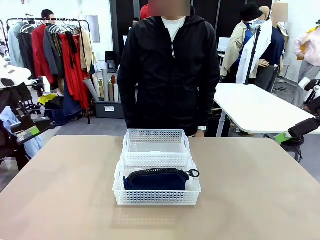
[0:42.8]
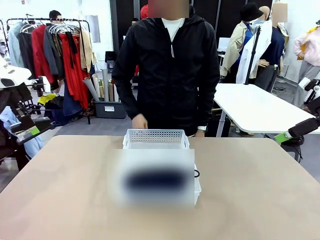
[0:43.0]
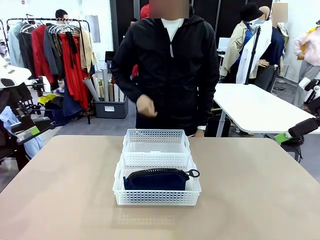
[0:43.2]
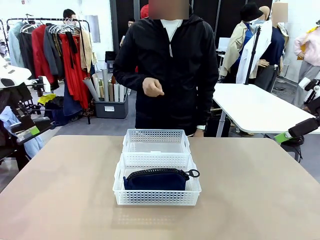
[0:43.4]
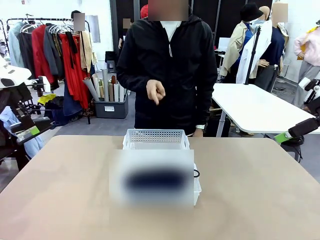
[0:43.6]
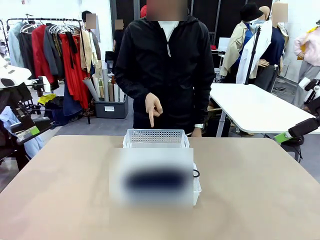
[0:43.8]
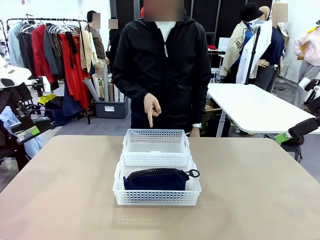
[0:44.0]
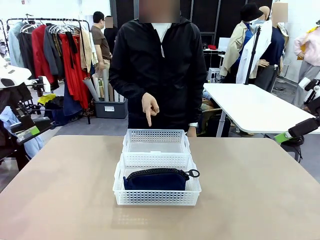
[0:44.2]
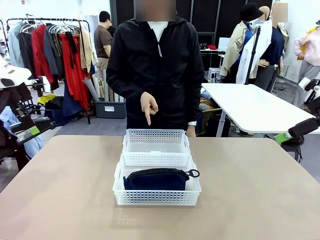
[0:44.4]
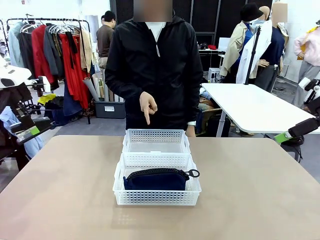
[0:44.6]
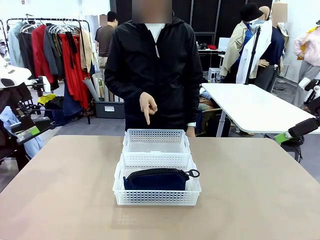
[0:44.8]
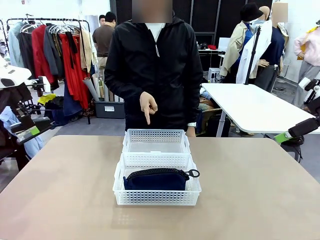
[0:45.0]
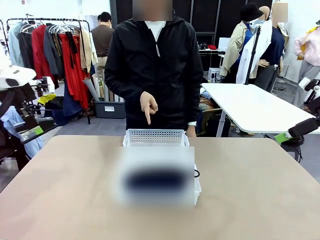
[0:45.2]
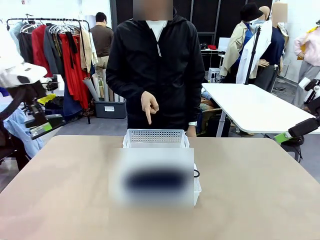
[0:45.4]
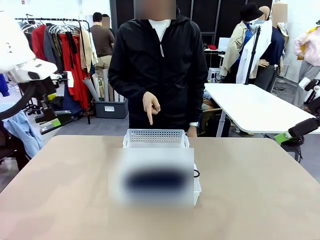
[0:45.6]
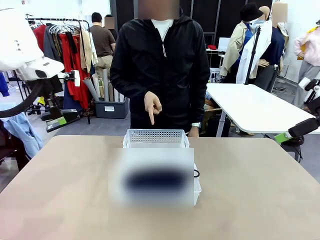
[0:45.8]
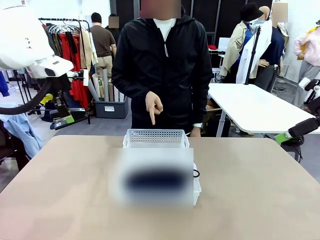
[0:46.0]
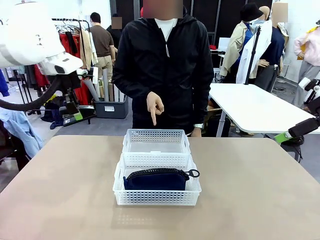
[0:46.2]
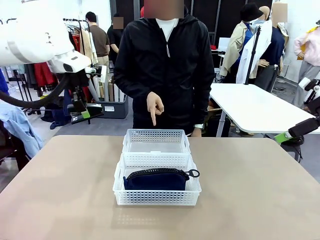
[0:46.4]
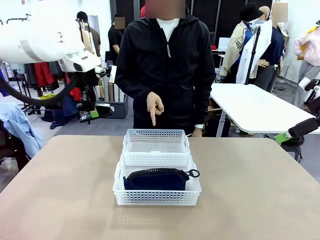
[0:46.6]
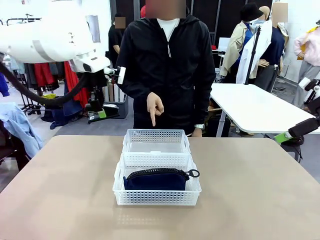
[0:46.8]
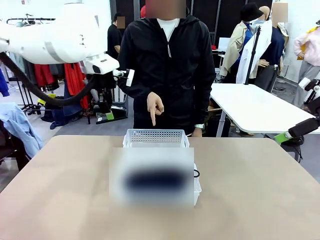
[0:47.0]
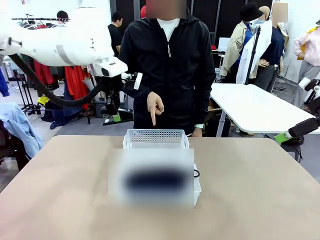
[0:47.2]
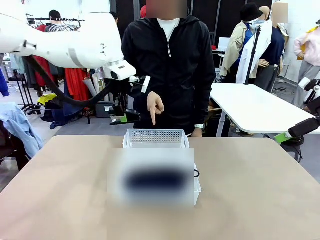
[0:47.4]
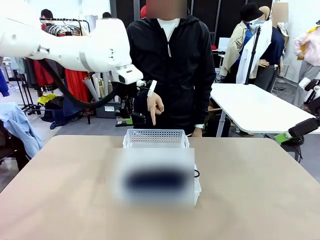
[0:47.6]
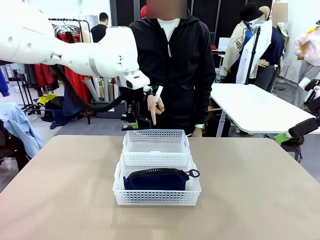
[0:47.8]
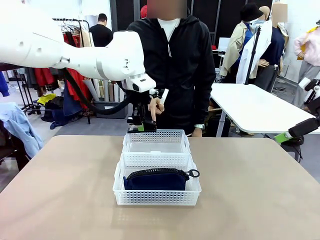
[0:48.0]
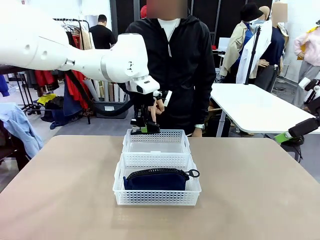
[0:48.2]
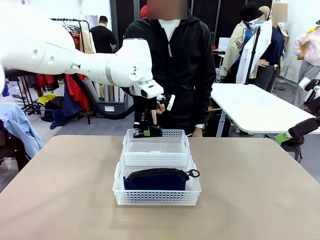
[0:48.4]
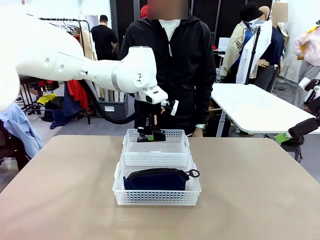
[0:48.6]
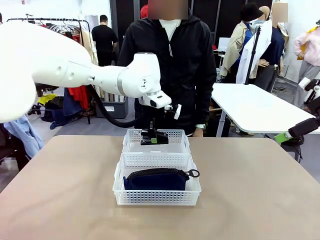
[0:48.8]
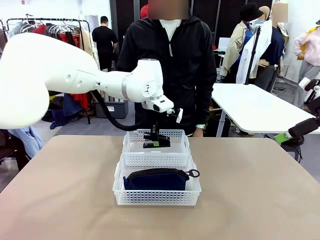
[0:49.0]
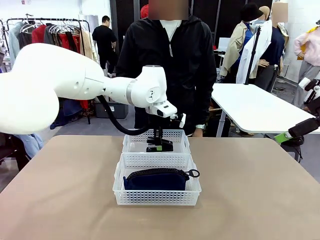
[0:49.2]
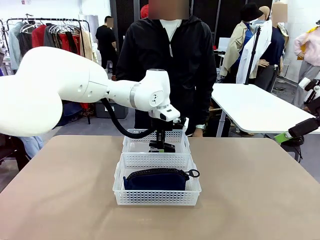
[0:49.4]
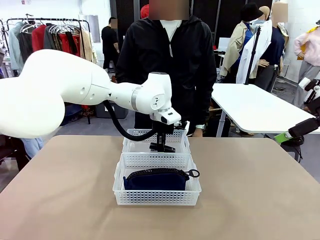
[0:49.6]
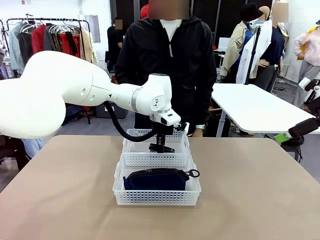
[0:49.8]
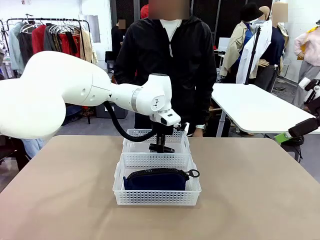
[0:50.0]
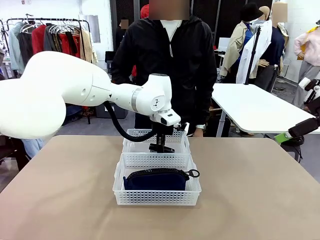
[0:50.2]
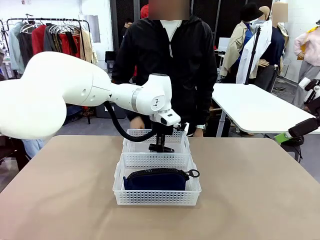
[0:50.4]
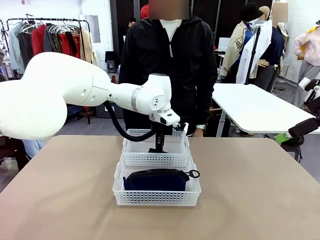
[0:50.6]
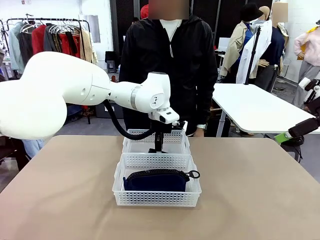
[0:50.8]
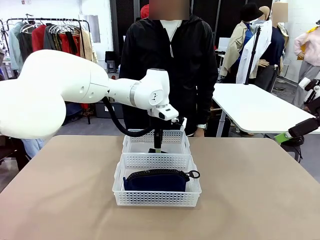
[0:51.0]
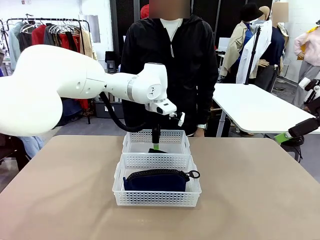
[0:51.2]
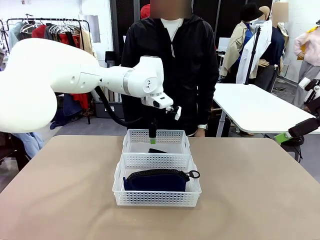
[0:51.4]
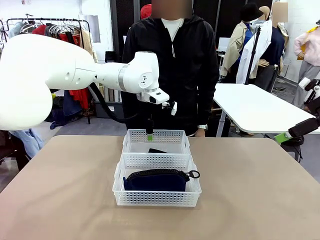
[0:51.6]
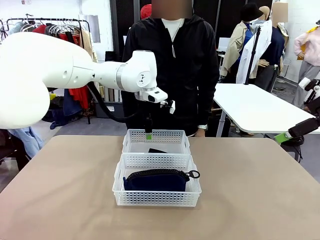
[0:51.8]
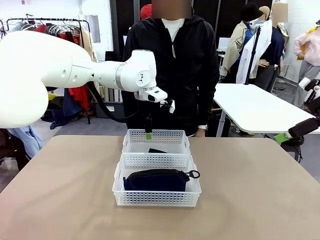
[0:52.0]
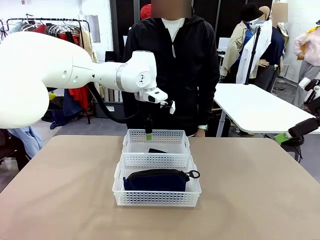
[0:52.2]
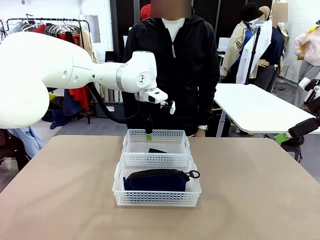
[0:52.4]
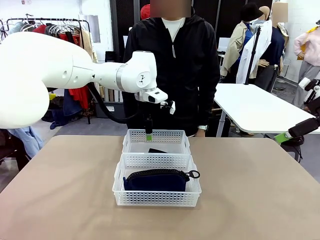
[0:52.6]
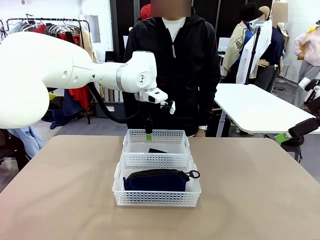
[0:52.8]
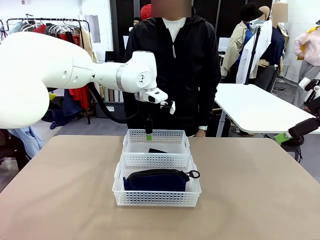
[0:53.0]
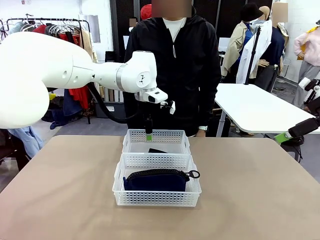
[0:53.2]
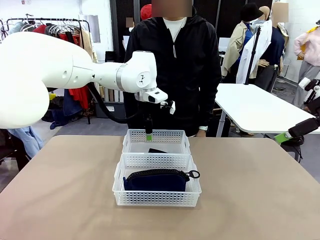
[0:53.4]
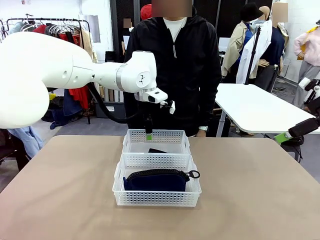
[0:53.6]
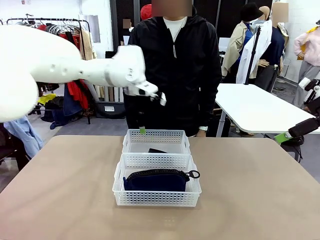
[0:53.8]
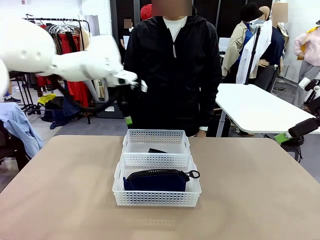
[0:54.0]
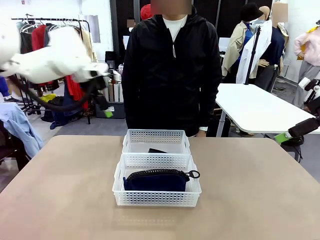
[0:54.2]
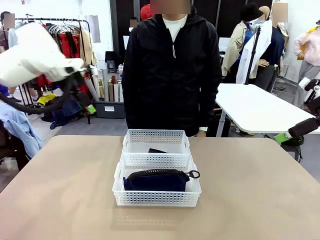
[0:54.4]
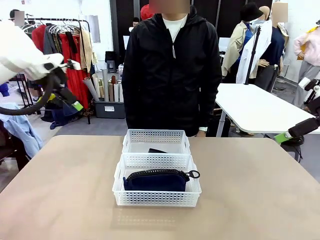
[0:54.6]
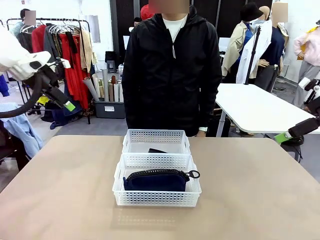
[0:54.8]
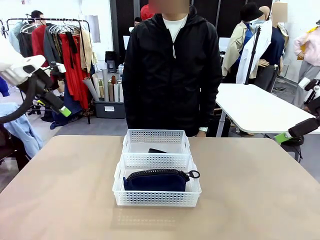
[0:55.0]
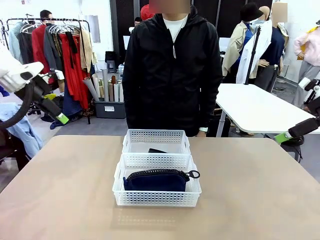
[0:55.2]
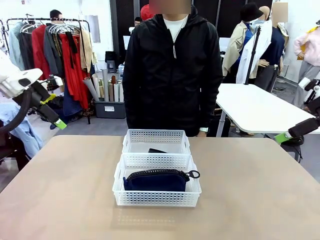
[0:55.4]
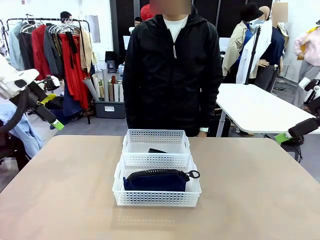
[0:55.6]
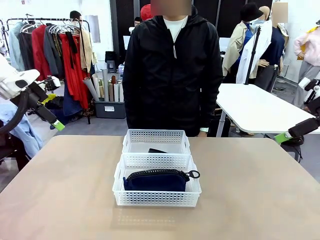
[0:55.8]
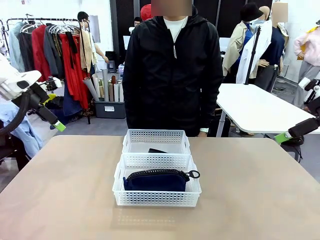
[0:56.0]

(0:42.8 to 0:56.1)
Task: Distribute items into two baskets.
Robot: Place the picked Stapler into the Organizing basket as instructed by the person.
Person: Points to the basket that does not contain the pencil case and instructs the robot to move the stapler there.
